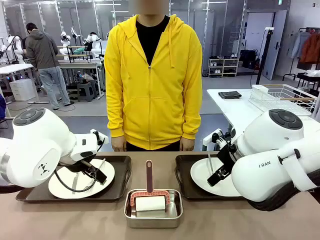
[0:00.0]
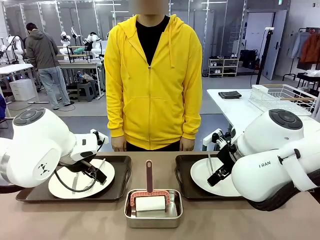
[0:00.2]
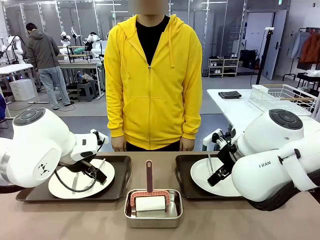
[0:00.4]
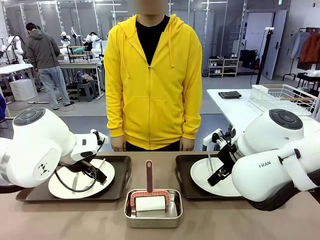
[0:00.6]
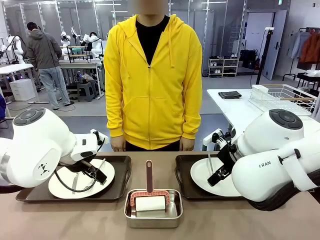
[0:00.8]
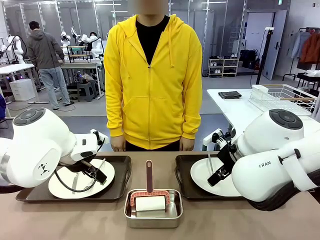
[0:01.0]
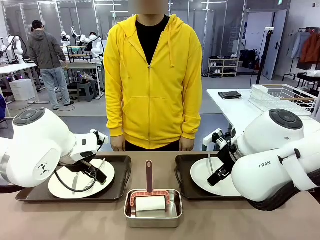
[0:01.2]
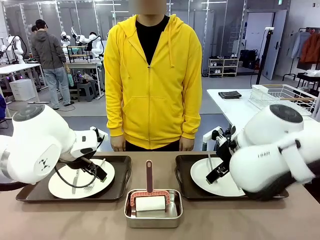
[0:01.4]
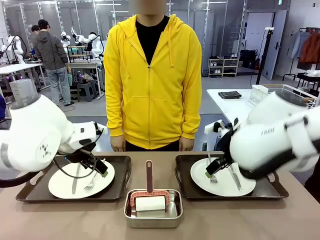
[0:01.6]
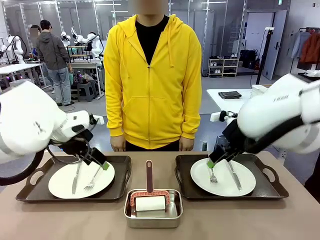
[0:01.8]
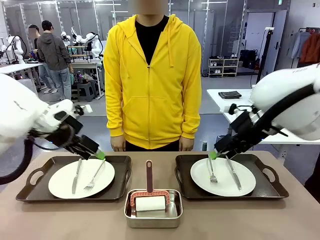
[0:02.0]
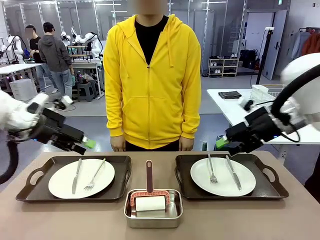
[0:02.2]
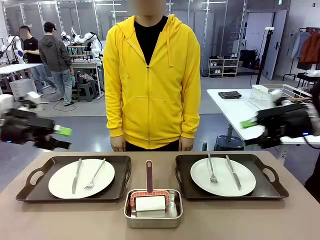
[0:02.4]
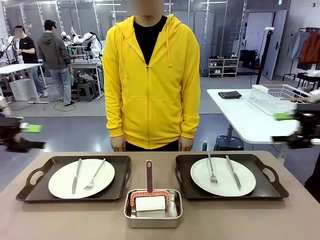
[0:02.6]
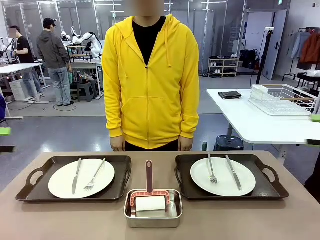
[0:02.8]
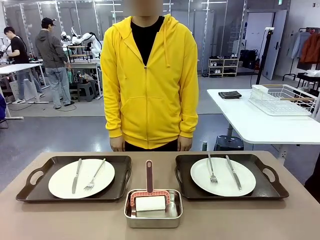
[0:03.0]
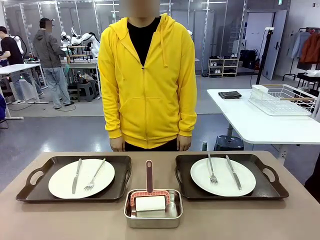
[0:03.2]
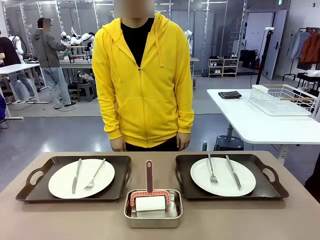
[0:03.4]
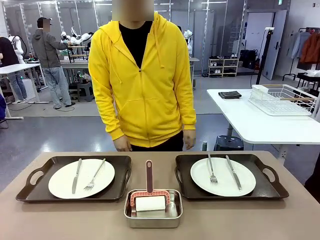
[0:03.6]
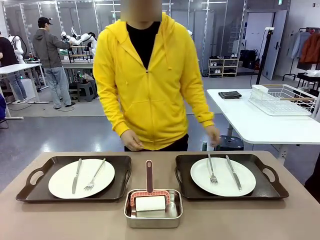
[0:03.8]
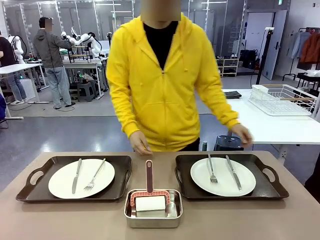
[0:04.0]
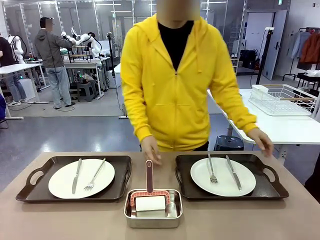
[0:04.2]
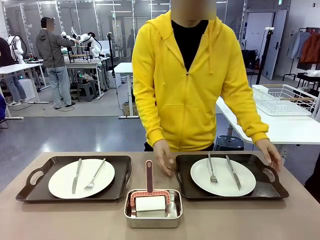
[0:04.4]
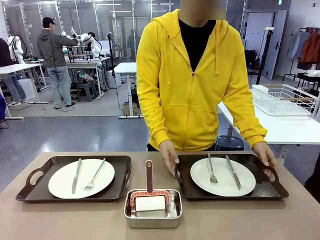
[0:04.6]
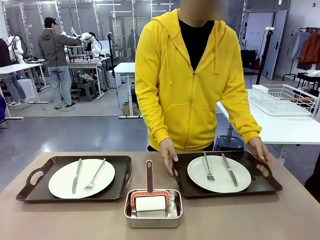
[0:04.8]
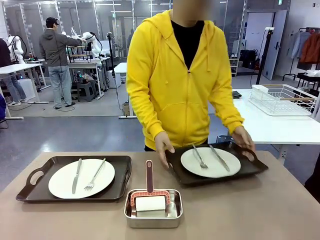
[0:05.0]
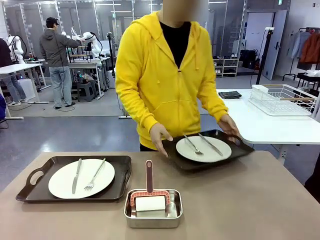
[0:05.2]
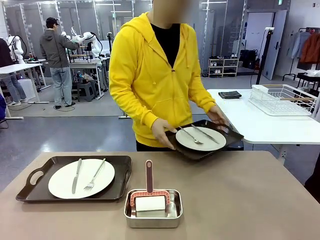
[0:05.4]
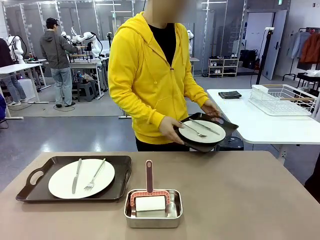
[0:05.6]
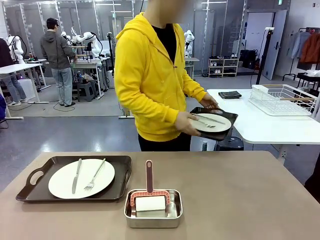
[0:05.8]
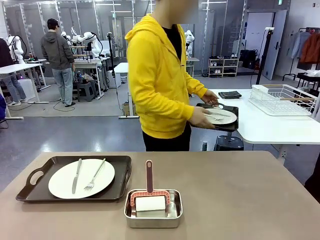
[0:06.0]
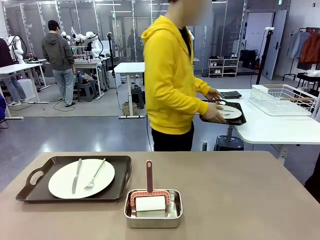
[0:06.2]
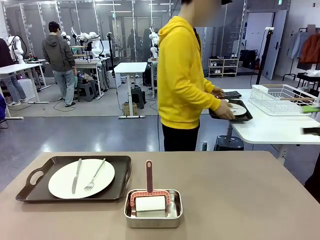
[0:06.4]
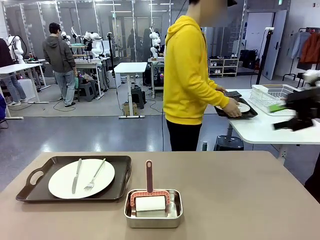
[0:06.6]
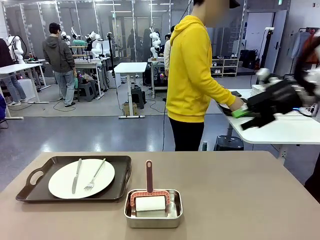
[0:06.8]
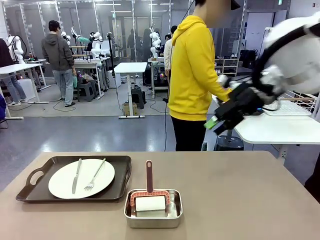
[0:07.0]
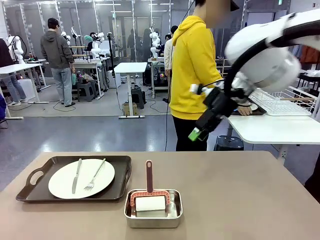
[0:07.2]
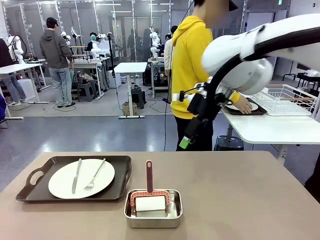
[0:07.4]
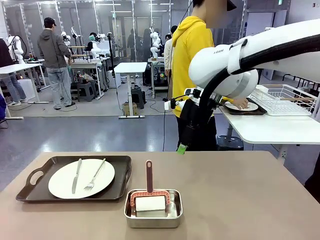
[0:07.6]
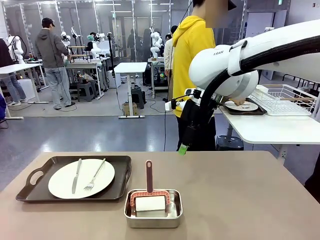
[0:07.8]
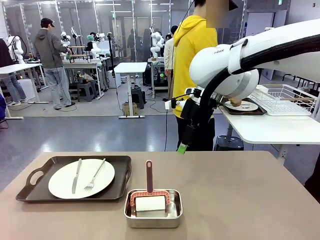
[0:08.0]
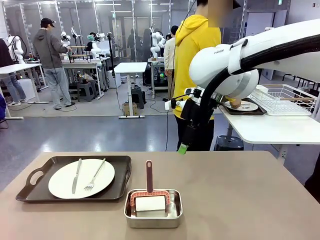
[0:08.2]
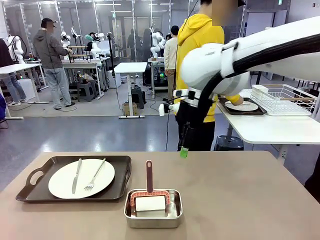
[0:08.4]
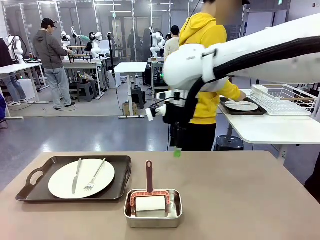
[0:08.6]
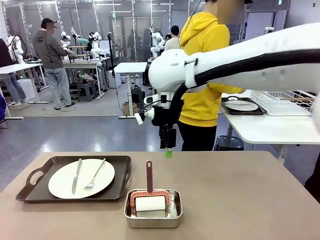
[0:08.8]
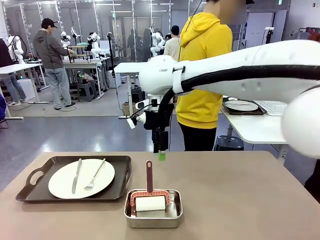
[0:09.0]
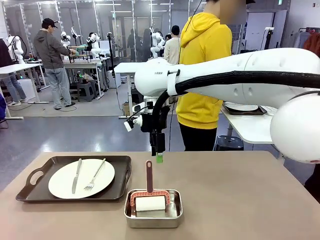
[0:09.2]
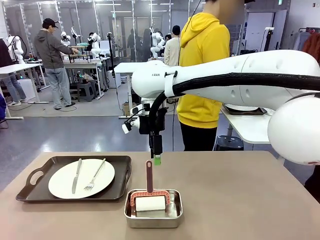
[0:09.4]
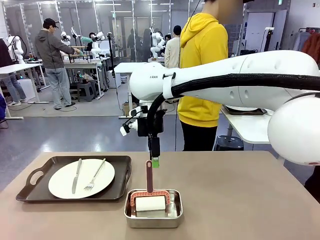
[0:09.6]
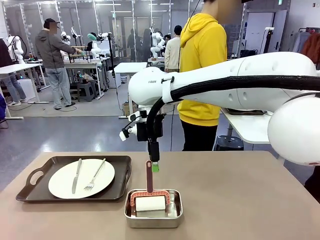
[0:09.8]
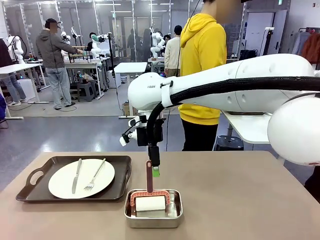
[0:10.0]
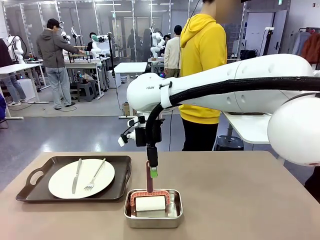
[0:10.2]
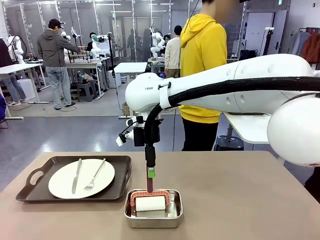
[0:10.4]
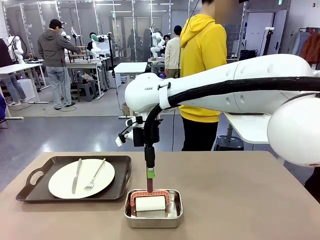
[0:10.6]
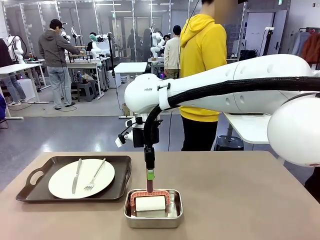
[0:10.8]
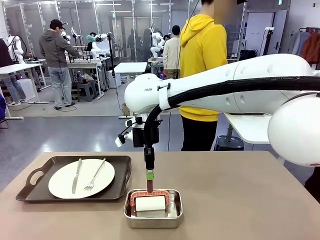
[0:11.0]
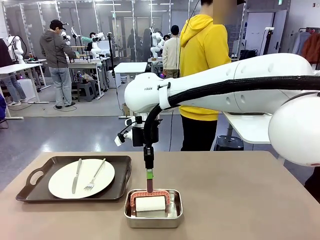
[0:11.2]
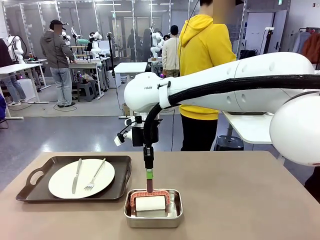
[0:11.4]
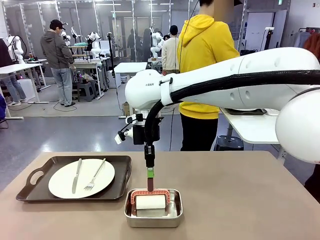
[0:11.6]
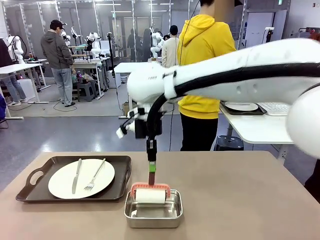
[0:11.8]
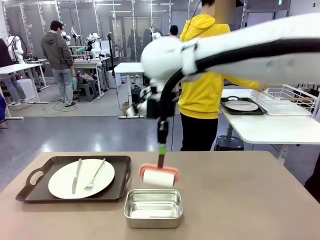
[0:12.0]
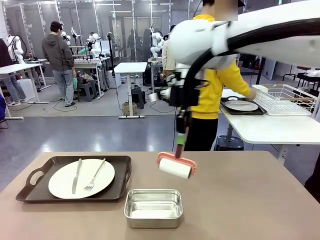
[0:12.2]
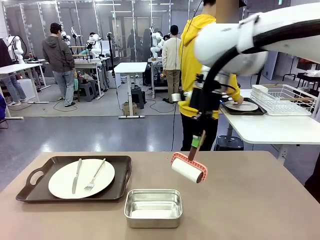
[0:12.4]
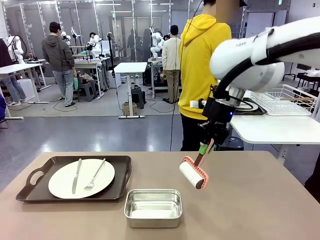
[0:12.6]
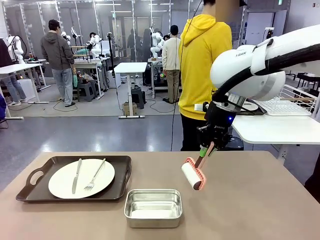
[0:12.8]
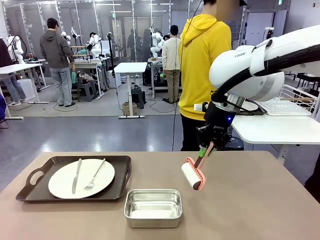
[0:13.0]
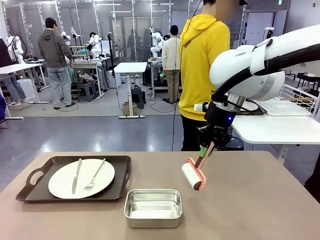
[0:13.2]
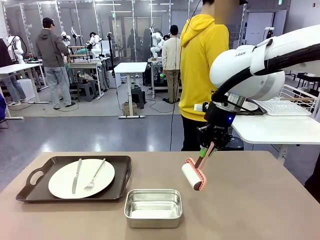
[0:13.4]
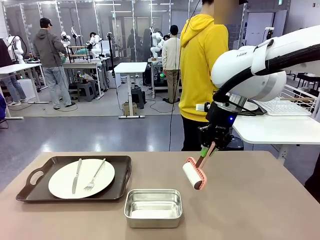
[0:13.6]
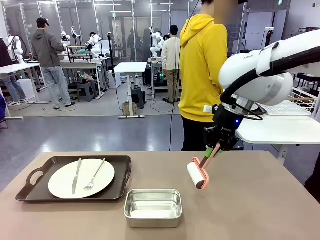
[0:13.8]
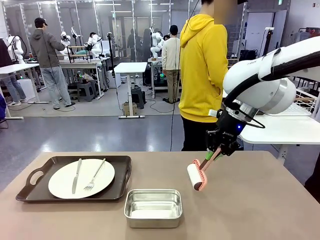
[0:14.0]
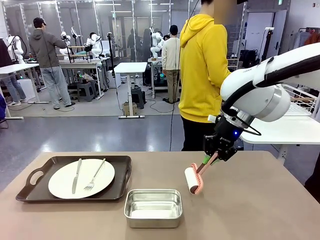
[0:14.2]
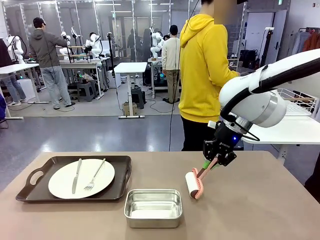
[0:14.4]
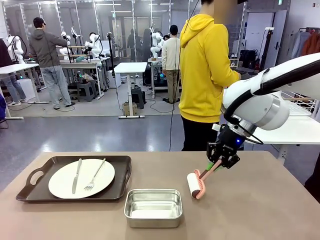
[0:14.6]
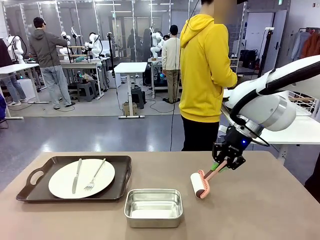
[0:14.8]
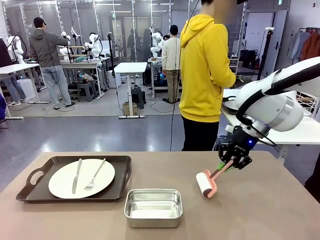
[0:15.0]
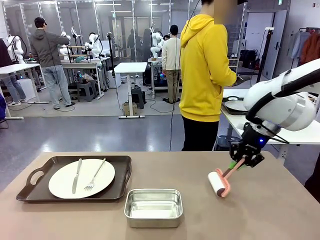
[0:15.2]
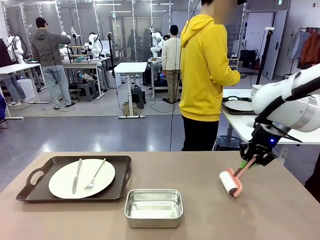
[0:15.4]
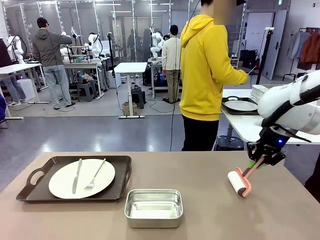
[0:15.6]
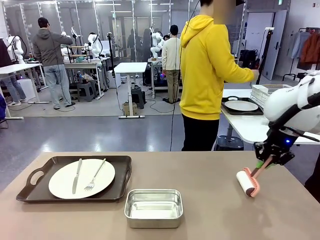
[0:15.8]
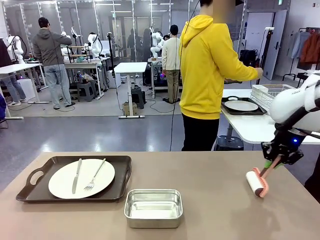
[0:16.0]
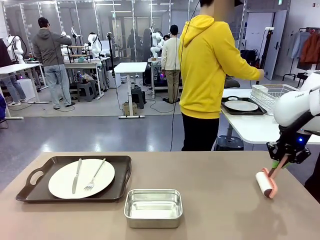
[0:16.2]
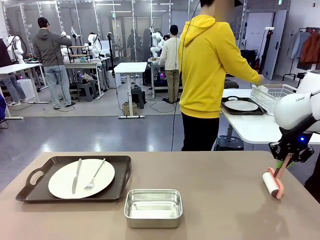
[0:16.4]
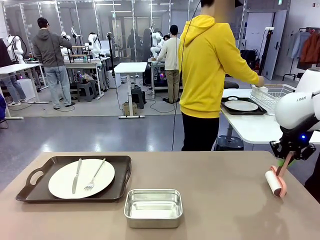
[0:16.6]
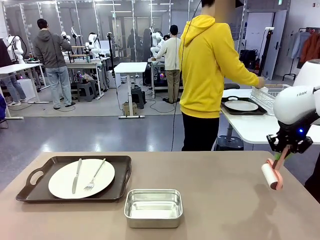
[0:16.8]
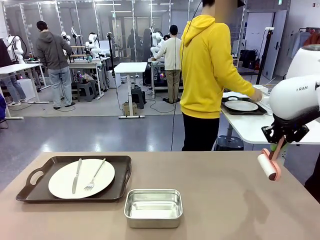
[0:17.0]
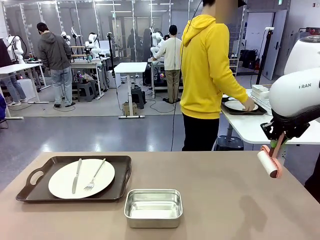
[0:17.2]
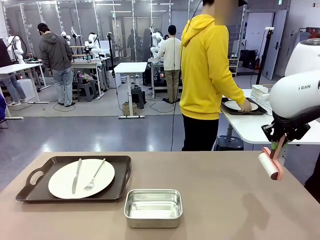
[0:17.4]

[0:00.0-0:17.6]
Robot: When the left (or right) Handle tray is removed, use the left hand (or right hand) to clean the left (or right) side of the table with the Lint Roller.
Person: Pick up the left (or right) Handle tray and place it on the middle of the Human's table. Use the Towel with hook to wipe the Plastic Matte Plate , Fork , and Knife and place into the Dish drying rack.

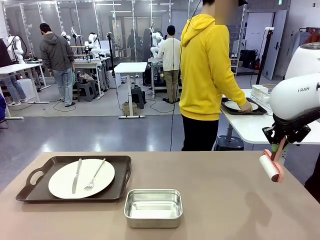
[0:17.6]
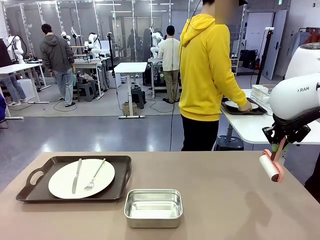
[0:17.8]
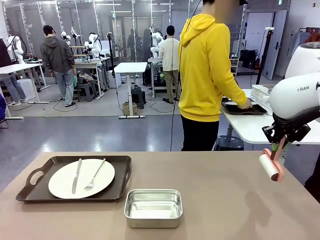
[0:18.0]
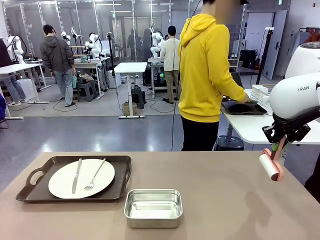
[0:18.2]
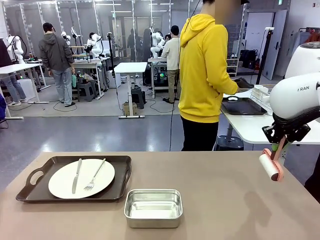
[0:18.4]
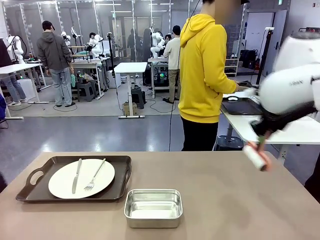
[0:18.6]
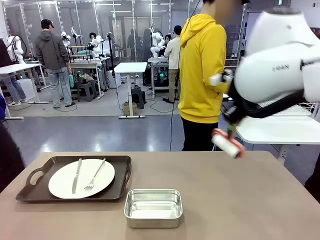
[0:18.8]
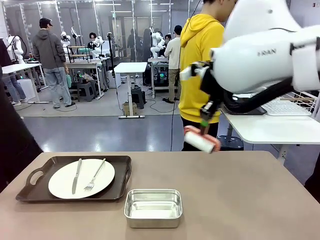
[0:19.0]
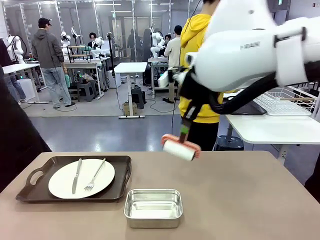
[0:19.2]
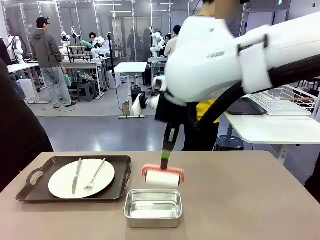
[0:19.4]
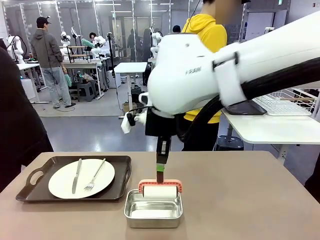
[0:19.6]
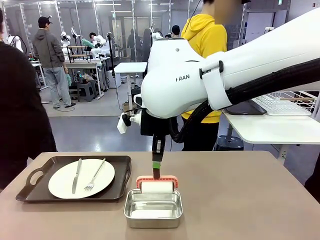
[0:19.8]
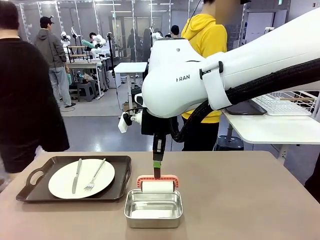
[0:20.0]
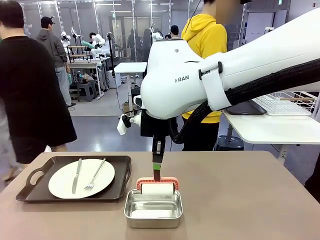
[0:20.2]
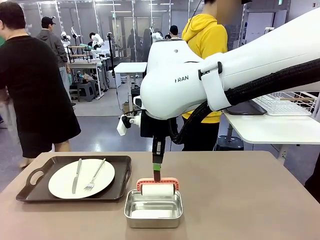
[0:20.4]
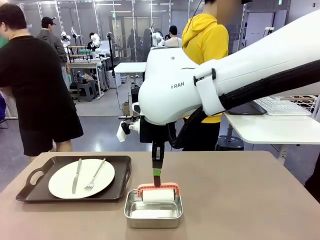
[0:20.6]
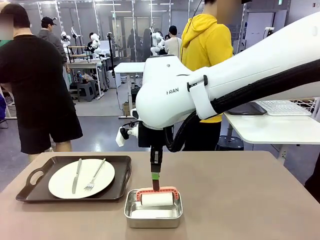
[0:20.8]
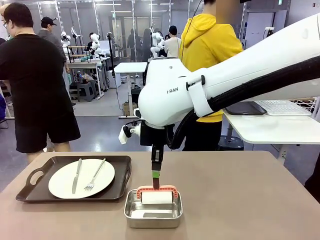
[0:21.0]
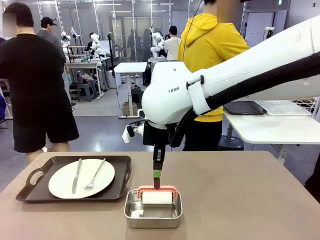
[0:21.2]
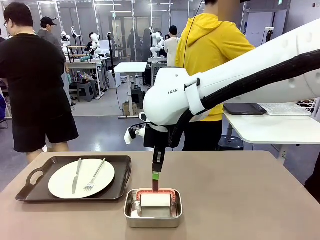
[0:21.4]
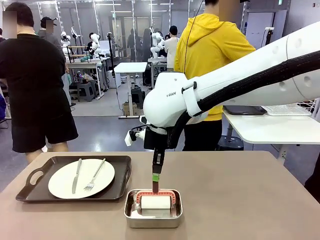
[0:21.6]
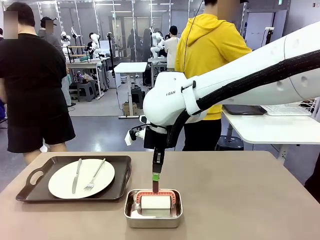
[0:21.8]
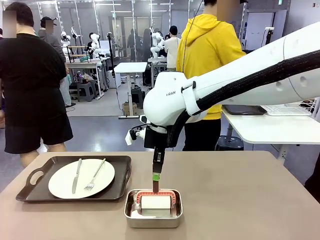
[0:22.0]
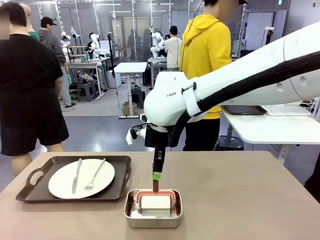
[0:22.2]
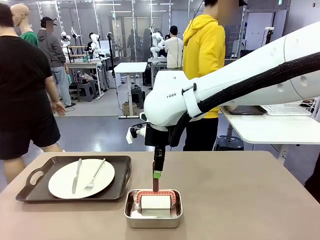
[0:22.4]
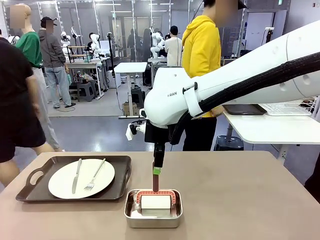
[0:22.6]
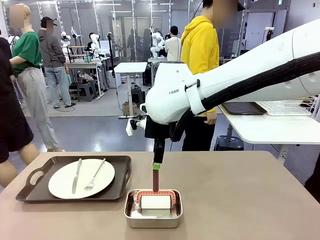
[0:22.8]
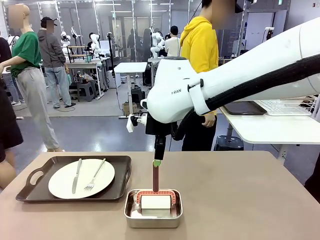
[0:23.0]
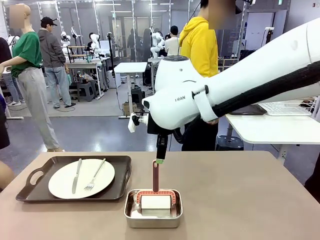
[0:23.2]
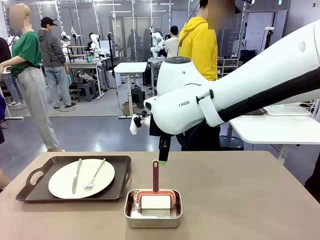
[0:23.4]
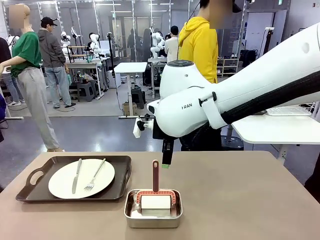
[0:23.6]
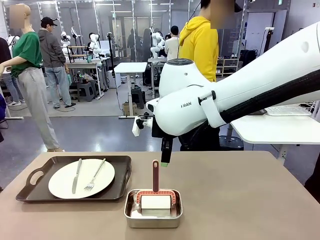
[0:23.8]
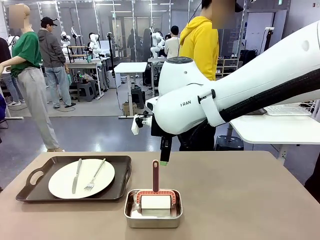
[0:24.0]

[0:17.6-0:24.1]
Robot: Place the Lint Roller back on top of the Airtight Container.
